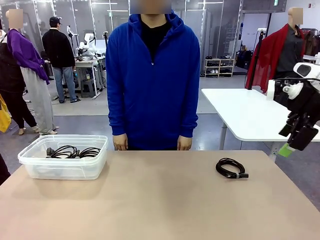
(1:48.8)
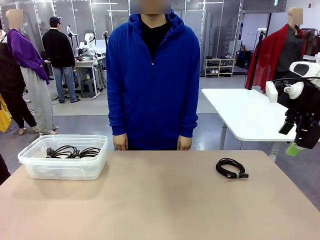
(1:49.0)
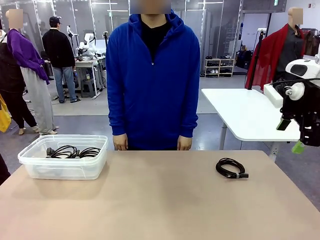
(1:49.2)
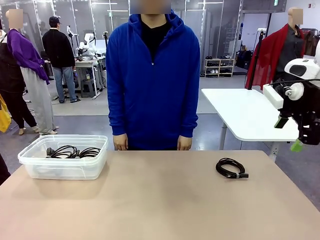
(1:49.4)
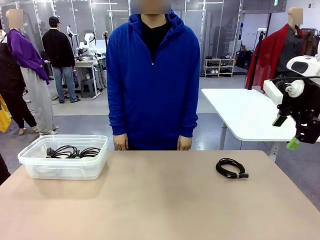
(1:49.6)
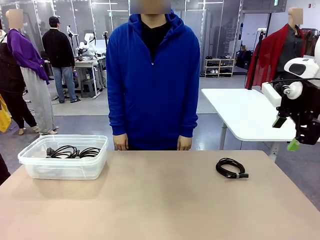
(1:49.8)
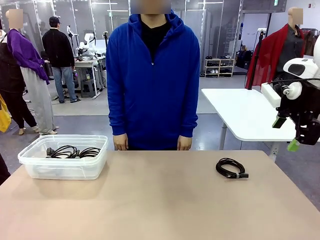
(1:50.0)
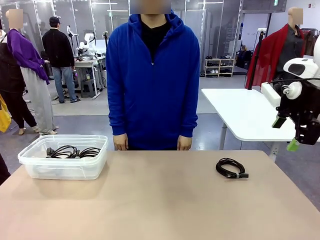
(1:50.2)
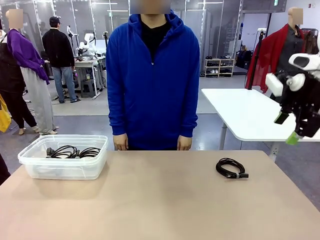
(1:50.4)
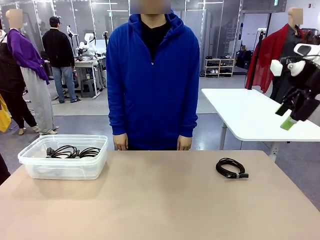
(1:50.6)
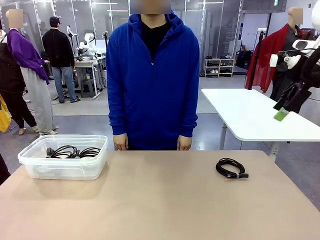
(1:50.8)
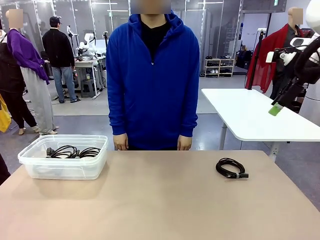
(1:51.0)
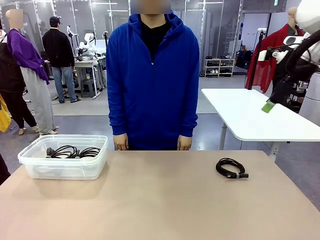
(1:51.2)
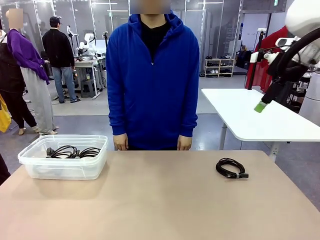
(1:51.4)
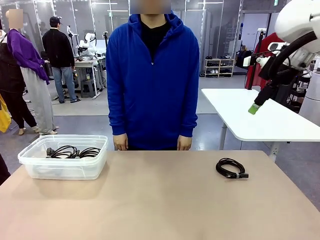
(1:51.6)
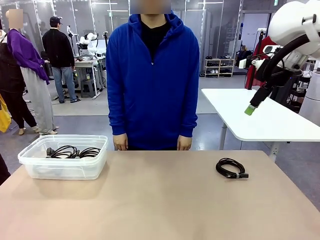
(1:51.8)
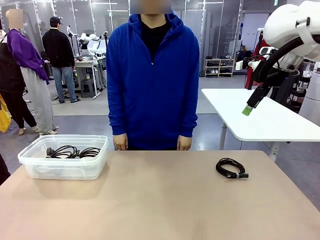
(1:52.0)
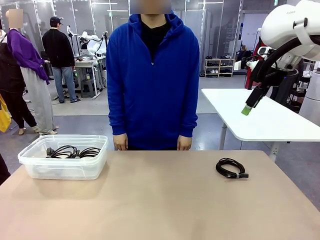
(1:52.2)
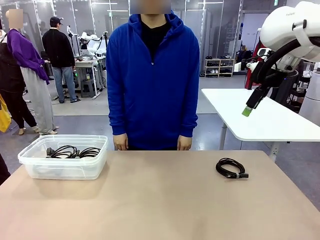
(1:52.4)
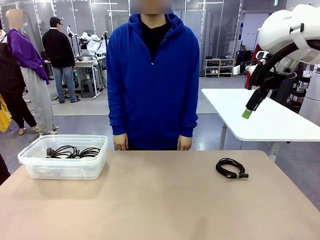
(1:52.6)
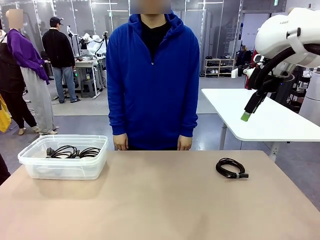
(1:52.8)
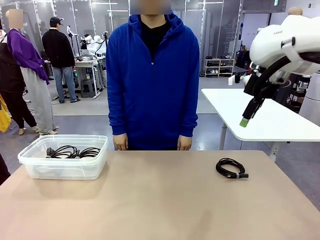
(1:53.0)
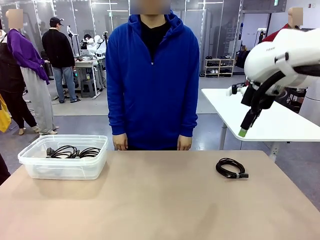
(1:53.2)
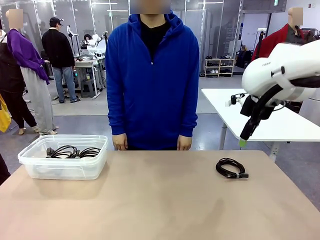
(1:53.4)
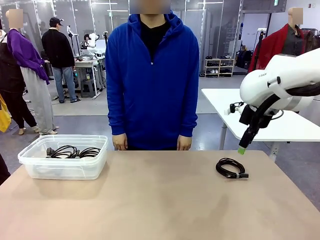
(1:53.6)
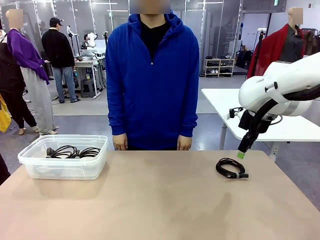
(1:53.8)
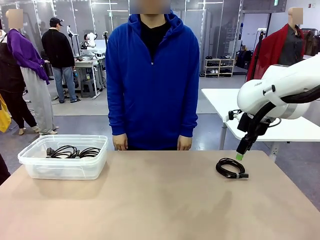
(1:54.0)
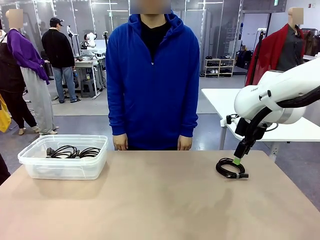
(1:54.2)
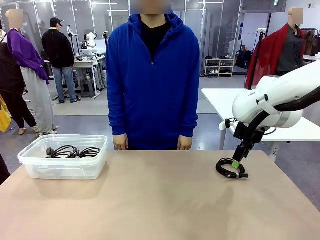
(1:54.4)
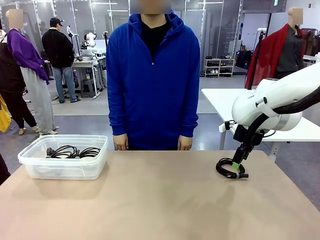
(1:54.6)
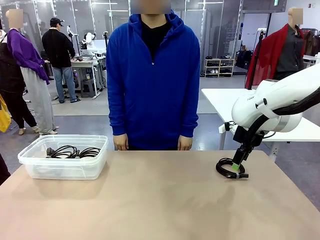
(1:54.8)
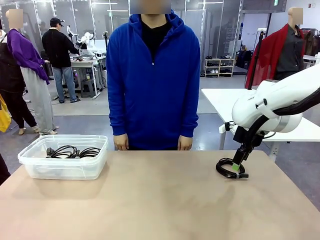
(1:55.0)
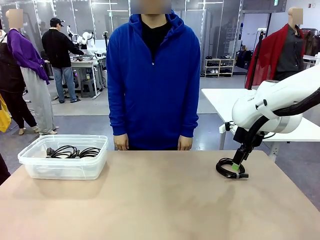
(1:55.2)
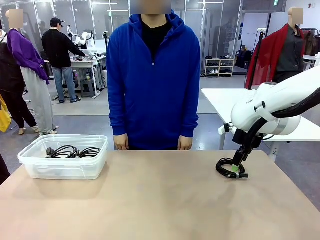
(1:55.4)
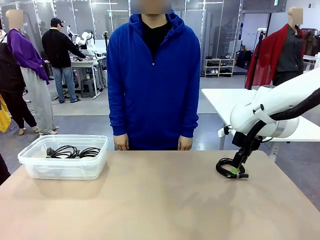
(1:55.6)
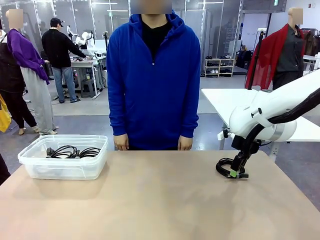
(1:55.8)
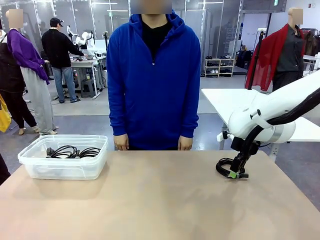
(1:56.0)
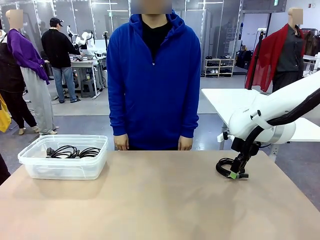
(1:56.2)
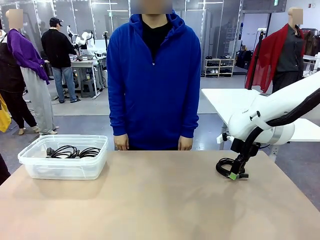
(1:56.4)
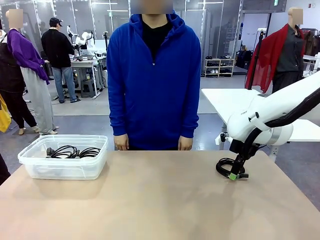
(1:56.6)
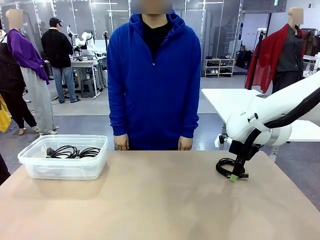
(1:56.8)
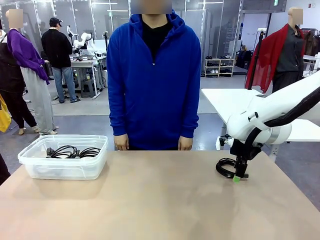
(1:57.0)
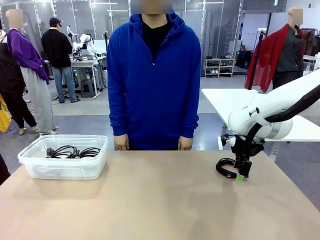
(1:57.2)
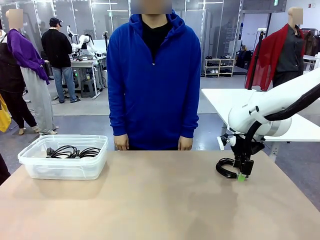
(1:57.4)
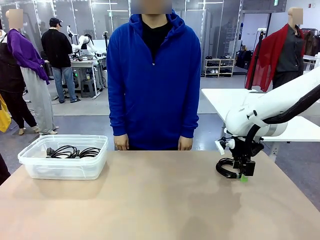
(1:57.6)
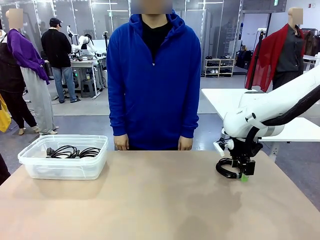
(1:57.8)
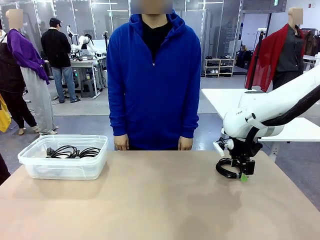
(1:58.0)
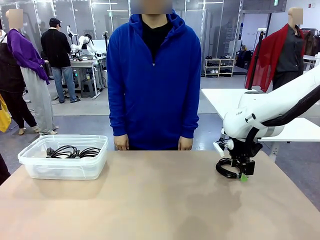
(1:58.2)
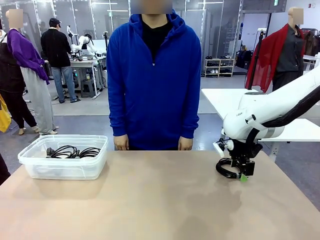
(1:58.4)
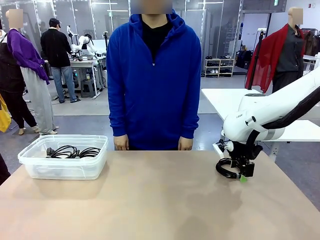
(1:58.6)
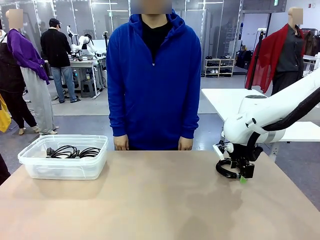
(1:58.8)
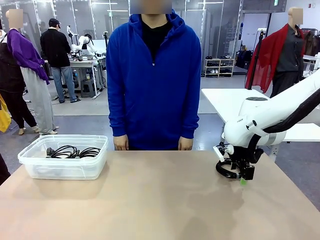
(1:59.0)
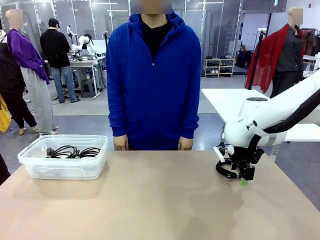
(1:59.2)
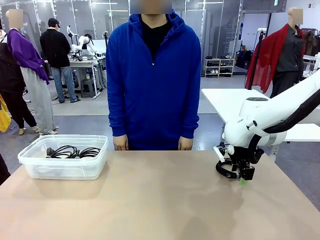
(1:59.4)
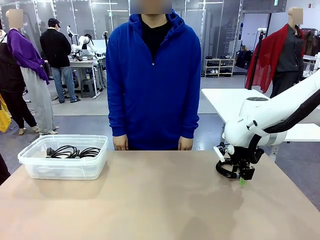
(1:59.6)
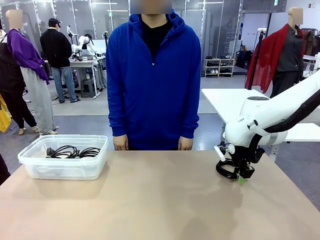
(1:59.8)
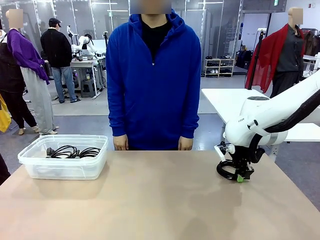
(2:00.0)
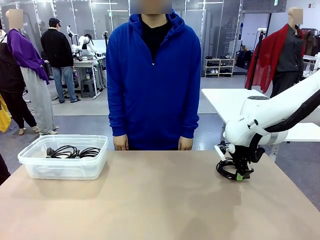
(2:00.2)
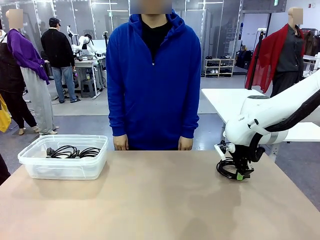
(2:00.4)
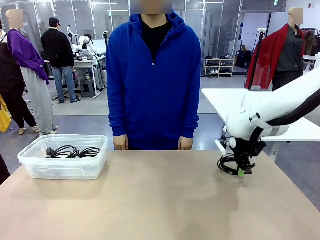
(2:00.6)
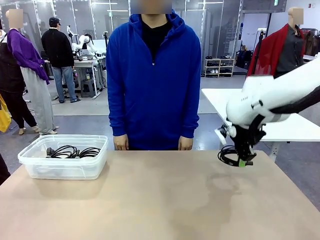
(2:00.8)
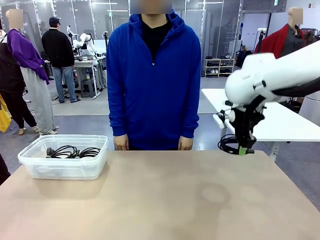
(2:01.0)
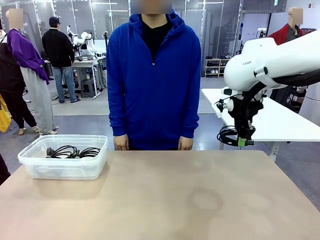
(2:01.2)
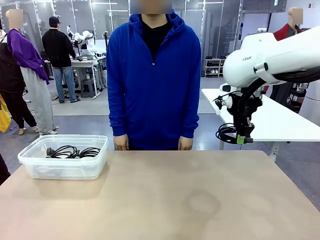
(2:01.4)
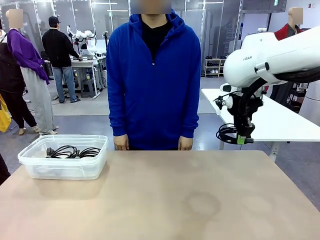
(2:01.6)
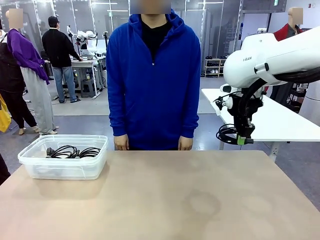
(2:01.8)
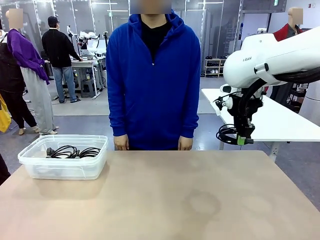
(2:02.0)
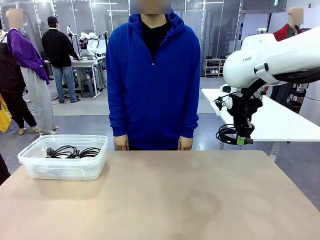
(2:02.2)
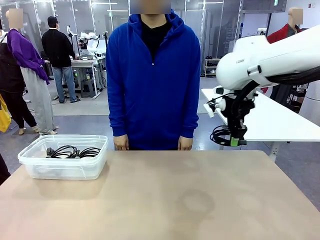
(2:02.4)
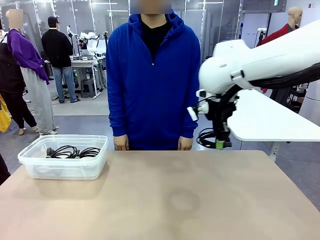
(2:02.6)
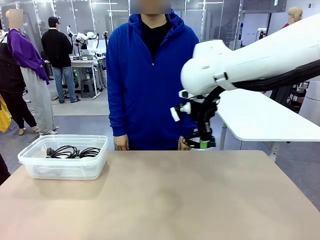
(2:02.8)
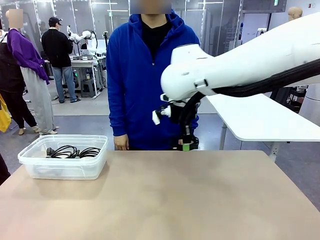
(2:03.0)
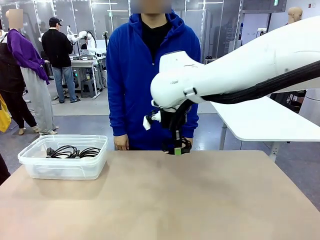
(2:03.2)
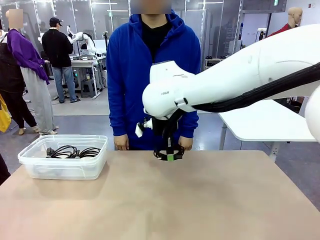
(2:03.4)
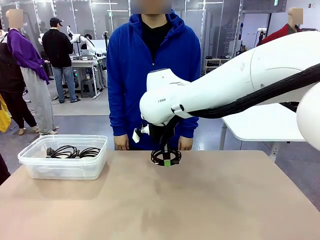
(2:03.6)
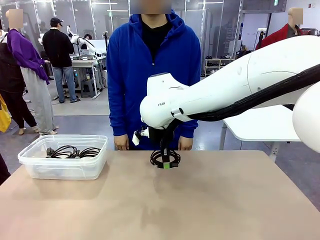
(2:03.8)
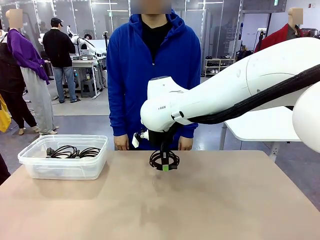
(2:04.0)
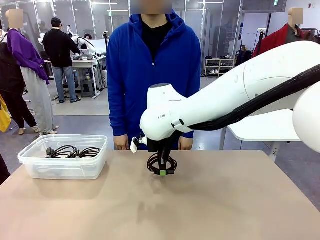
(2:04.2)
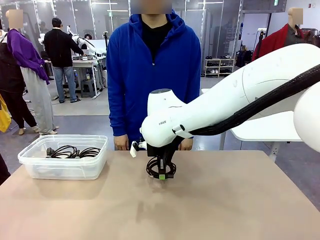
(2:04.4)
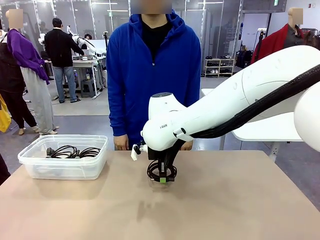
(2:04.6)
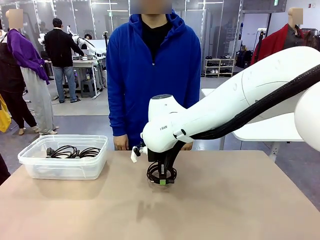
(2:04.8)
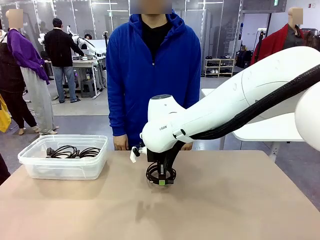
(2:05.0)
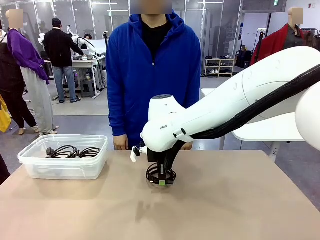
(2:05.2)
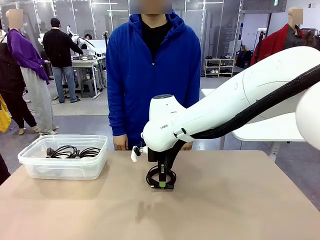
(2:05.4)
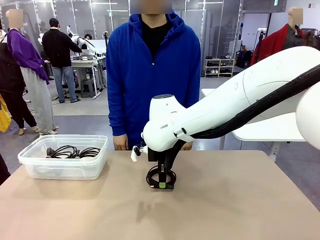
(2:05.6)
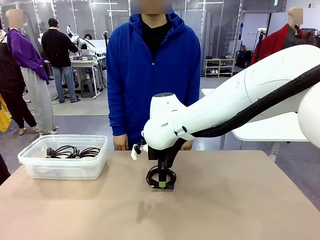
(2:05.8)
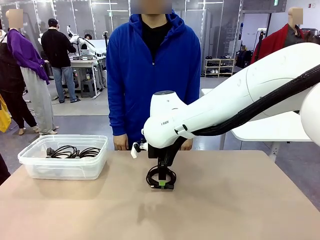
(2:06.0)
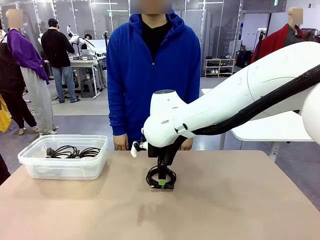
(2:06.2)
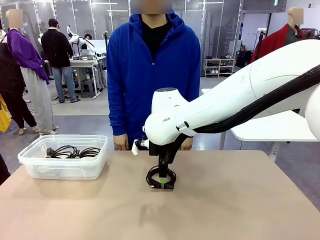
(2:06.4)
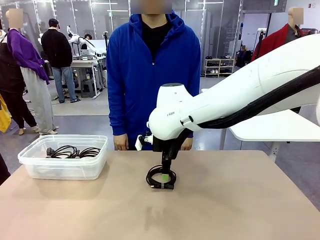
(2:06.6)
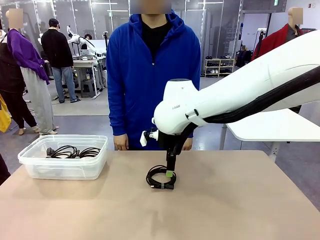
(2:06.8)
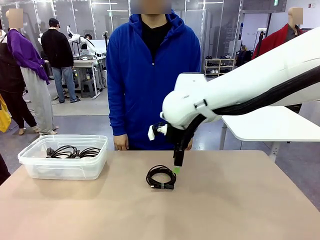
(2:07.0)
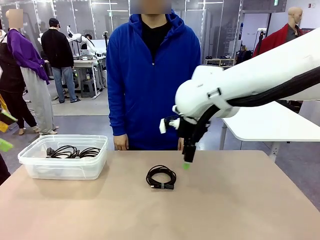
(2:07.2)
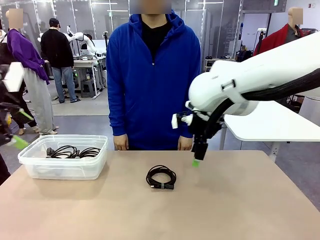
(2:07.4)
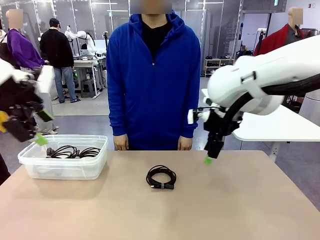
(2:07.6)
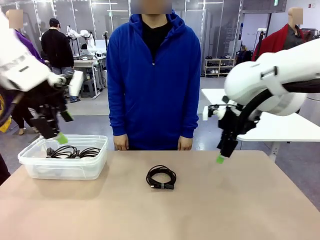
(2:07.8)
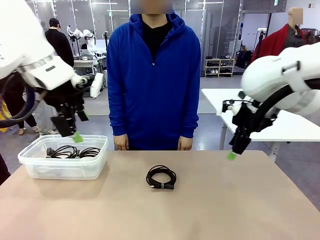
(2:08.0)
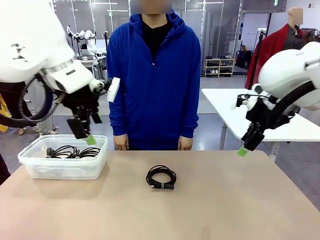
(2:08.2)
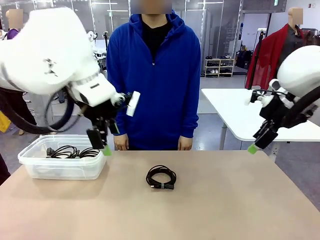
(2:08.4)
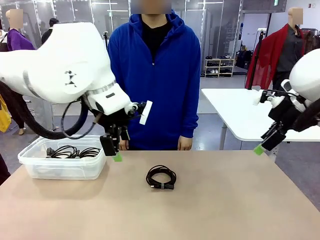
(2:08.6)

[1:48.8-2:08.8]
Task: Organize and store the cables.
Robot: Place the USB Extension Cable into the Organizing box.
